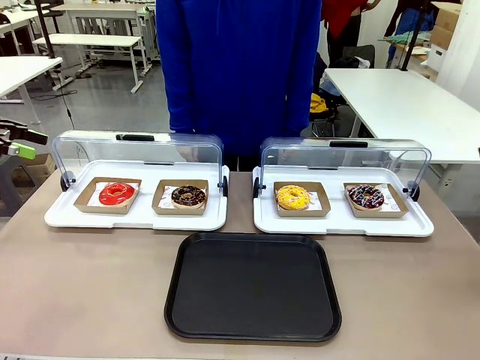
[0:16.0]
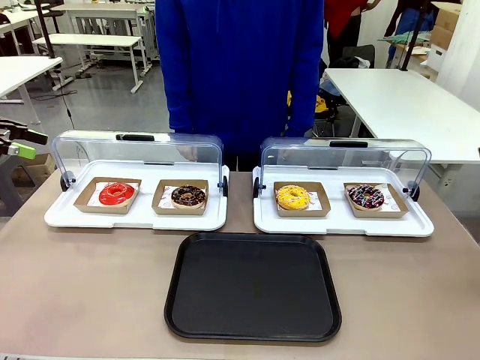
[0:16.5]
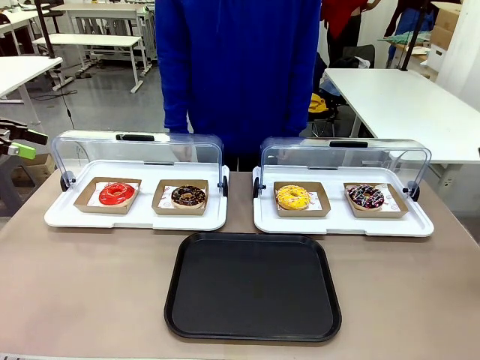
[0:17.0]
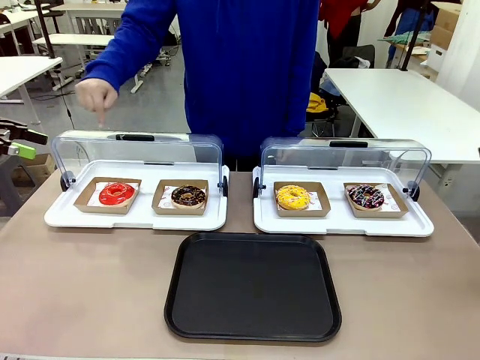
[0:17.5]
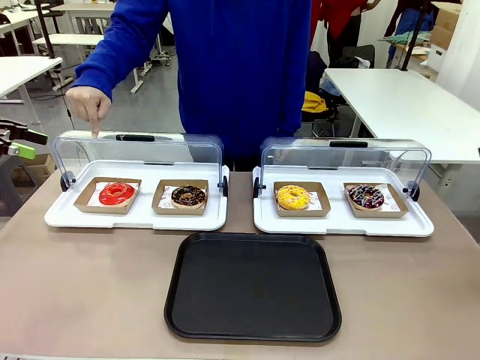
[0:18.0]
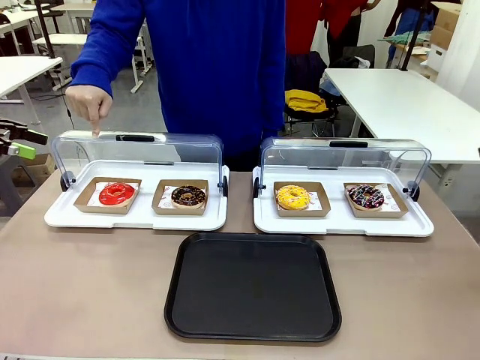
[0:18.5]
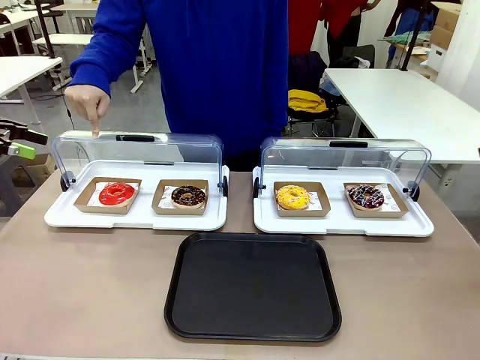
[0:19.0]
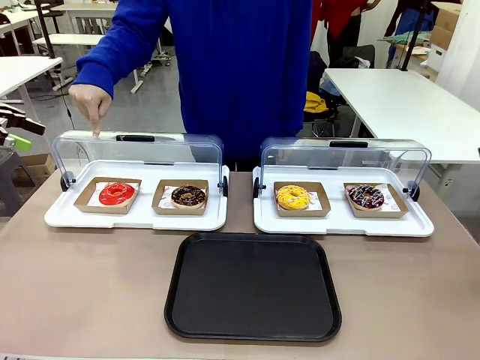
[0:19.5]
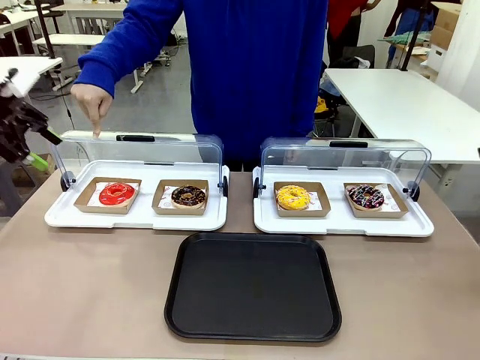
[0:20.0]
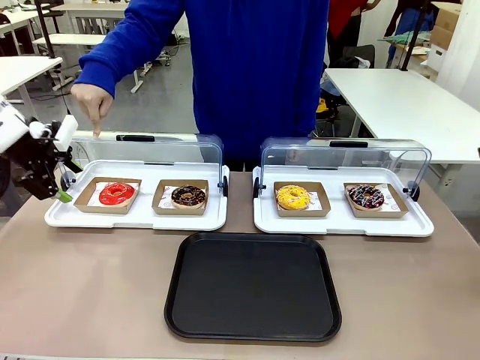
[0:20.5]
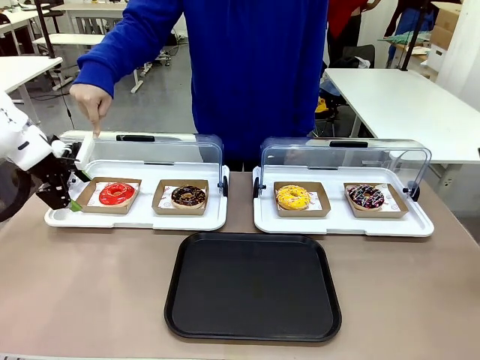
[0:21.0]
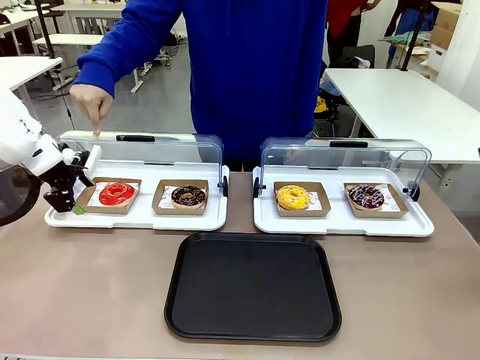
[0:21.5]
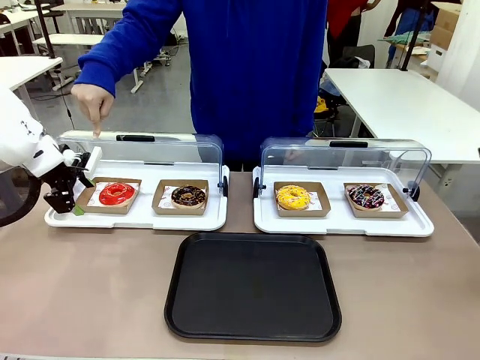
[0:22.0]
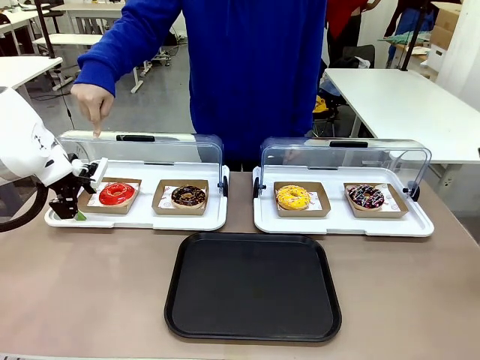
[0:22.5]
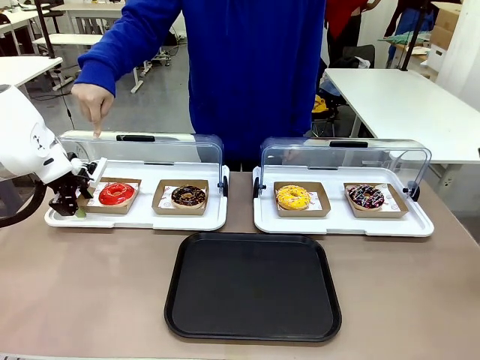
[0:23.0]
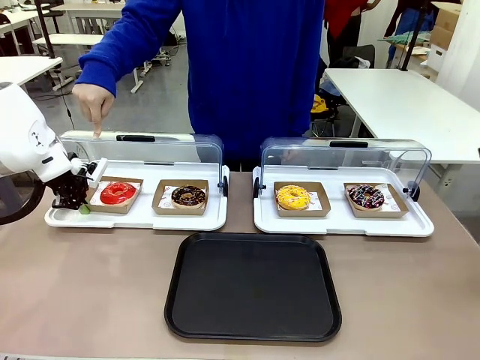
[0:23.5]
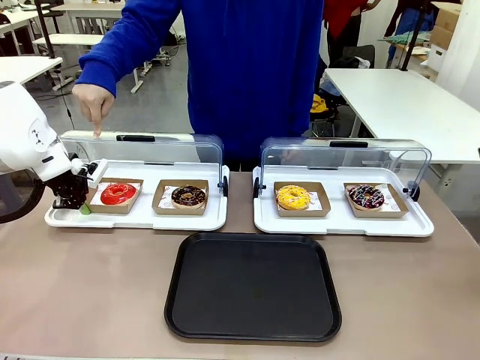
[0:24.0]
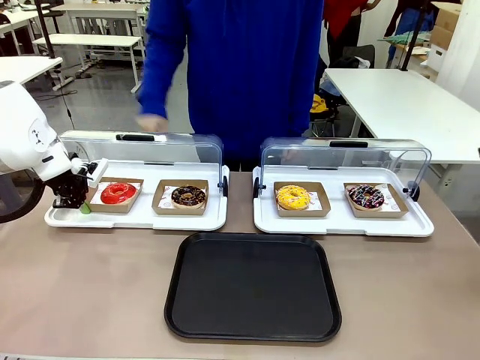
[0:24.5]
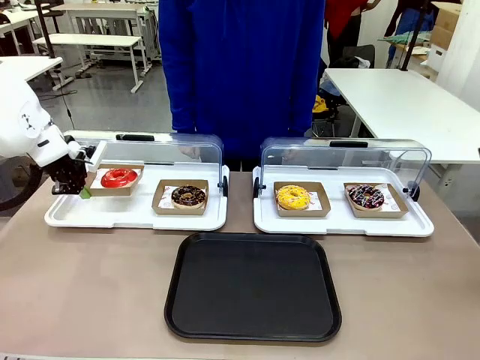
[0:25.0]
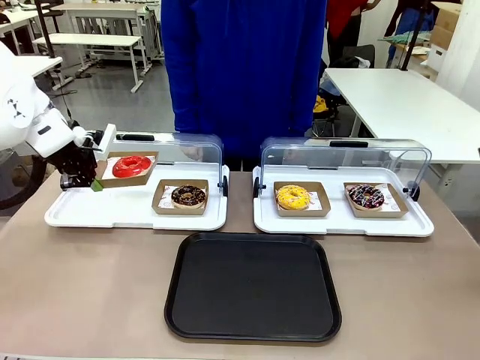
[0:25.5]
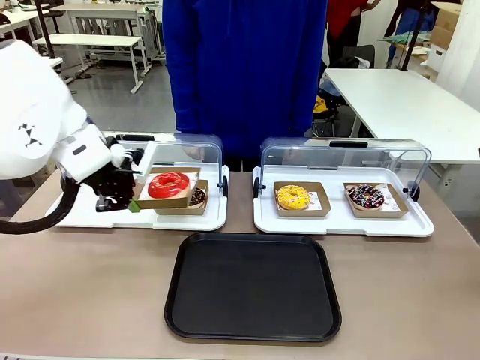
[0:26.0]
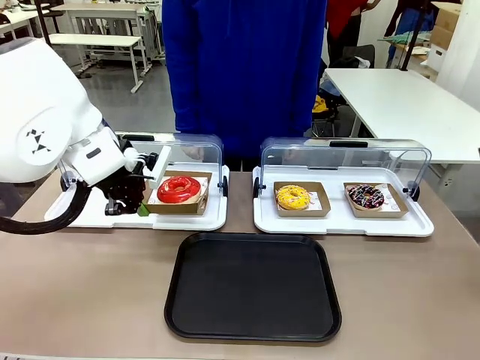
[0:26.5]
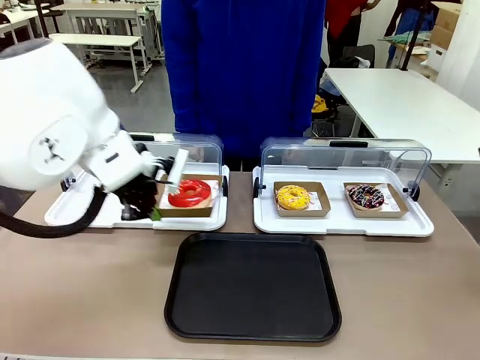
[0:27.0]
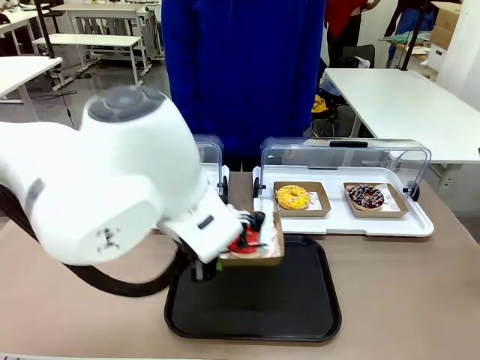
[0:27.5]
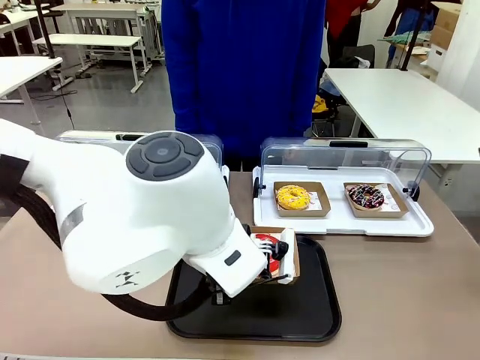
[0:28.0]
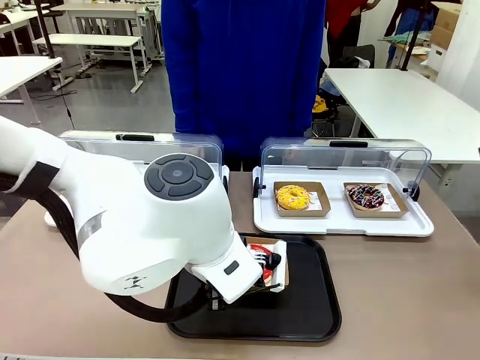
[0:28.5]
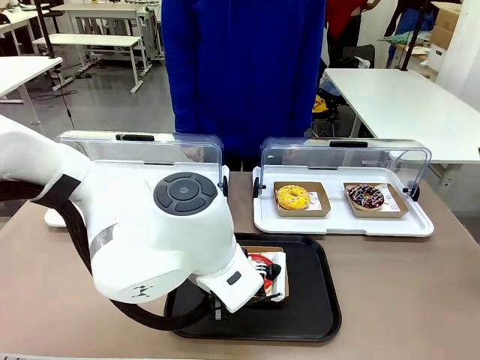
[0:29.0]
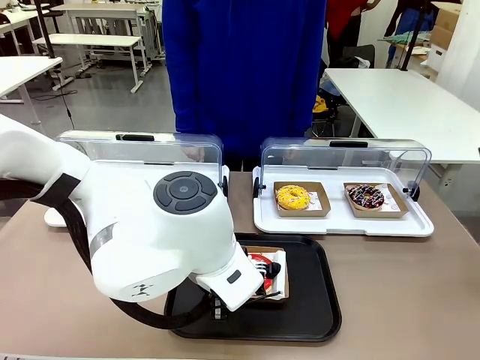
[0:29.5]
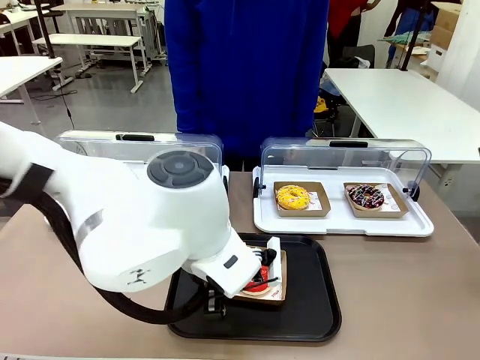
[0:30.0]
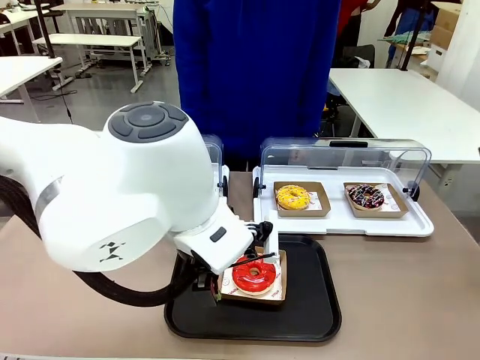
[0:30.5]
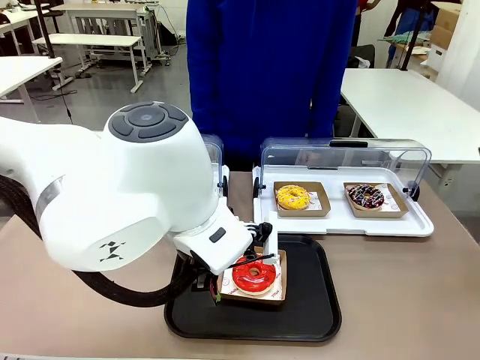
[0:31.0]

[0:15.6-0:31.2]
Task: Move the first donut from the left to the tray.
Robot: Pick up the Paper togo box containing the Donut indicated by the person and place it on the Handle tray.

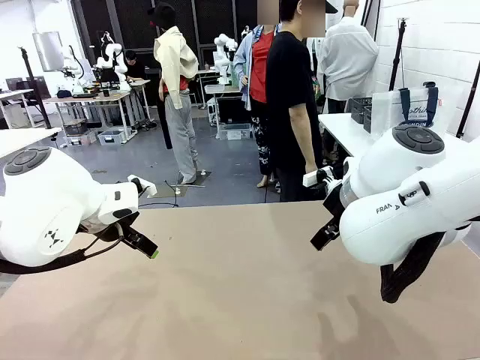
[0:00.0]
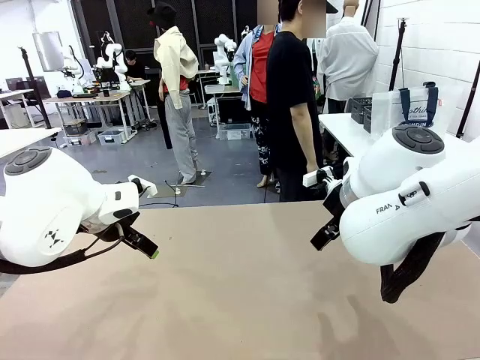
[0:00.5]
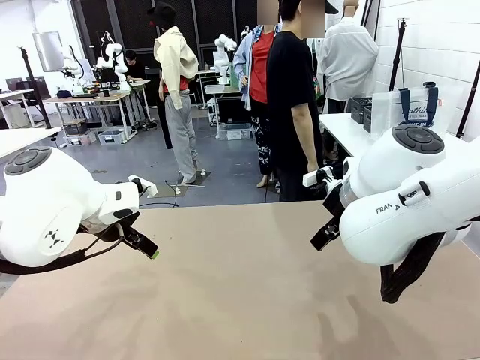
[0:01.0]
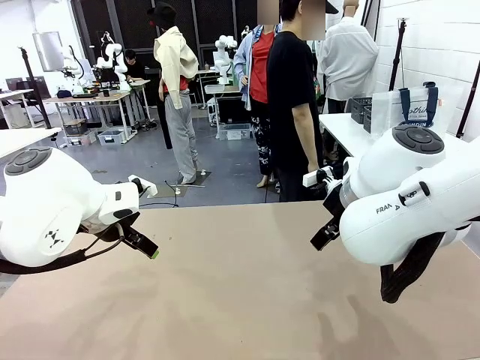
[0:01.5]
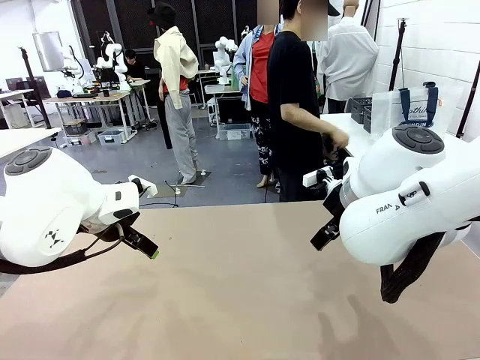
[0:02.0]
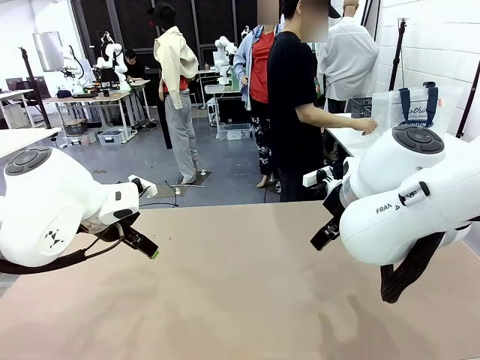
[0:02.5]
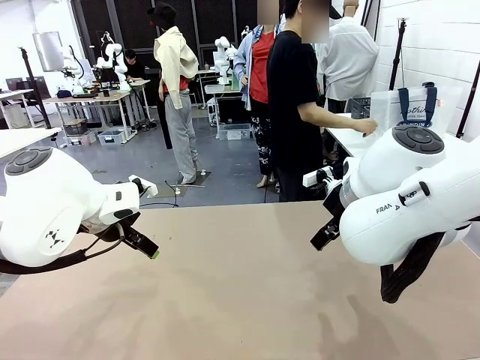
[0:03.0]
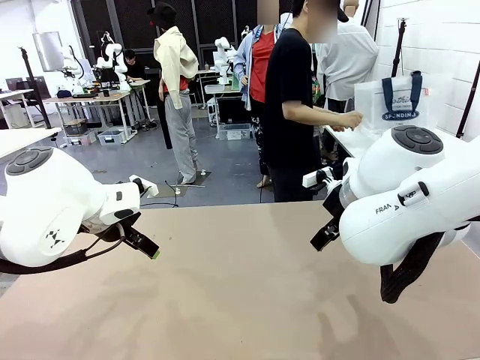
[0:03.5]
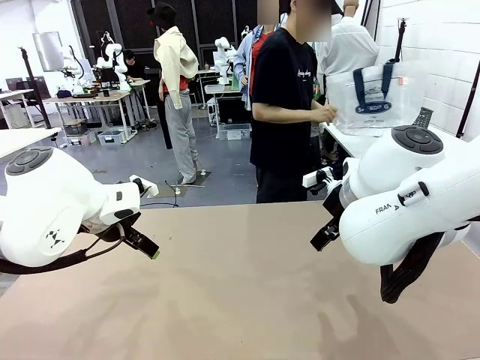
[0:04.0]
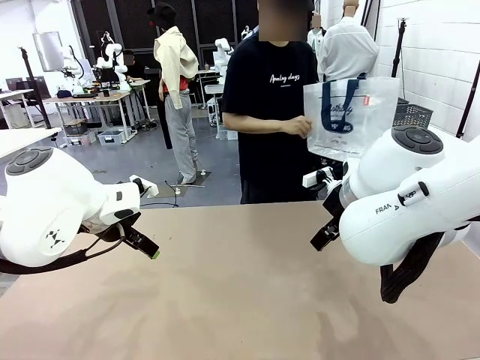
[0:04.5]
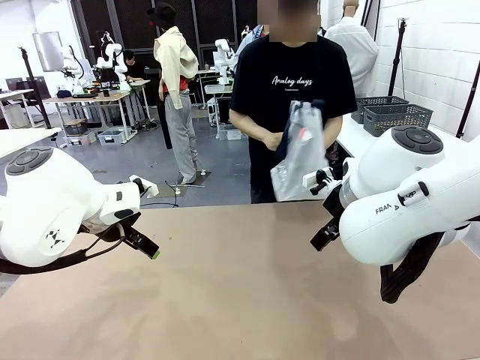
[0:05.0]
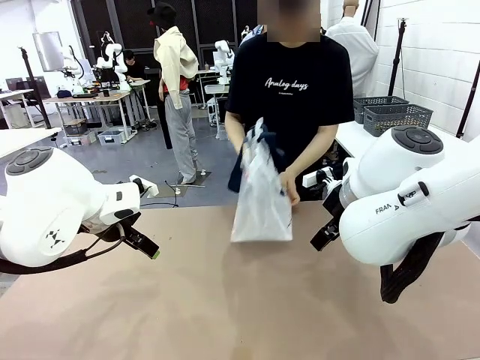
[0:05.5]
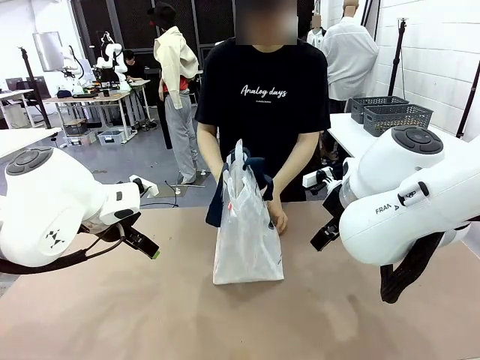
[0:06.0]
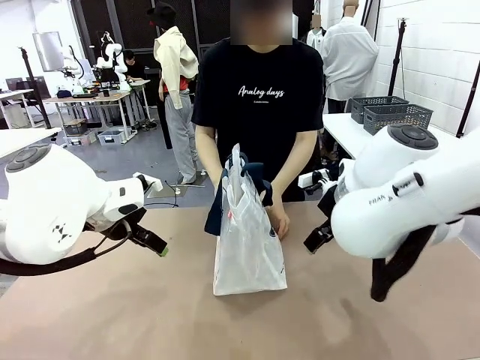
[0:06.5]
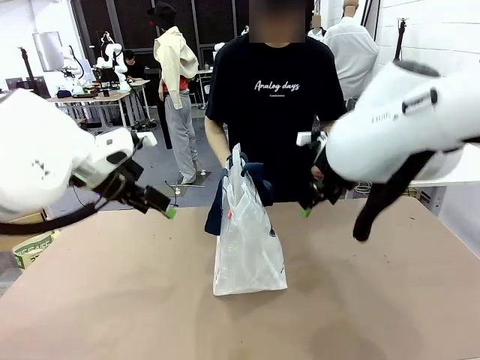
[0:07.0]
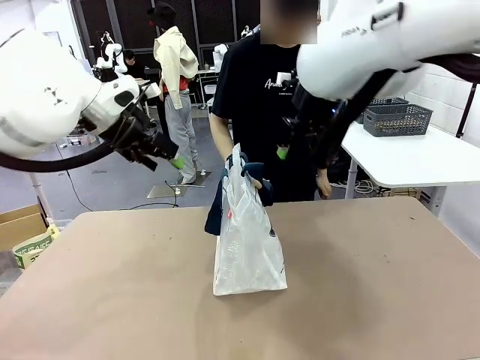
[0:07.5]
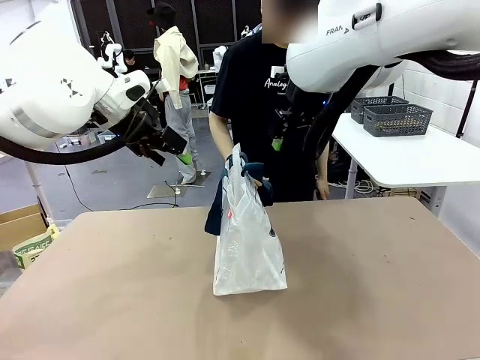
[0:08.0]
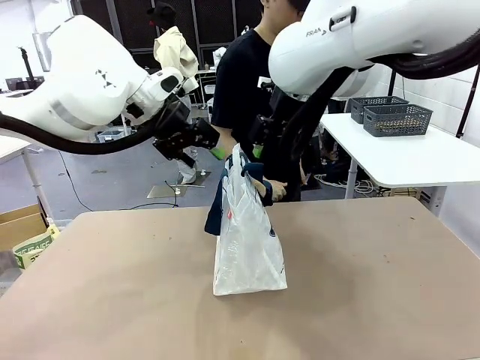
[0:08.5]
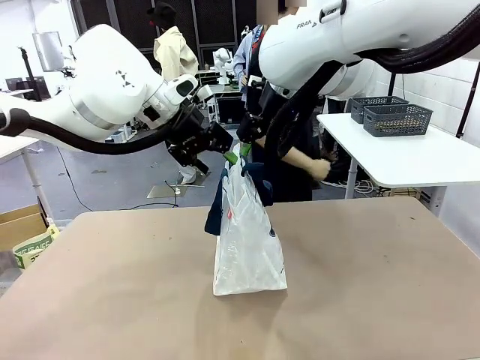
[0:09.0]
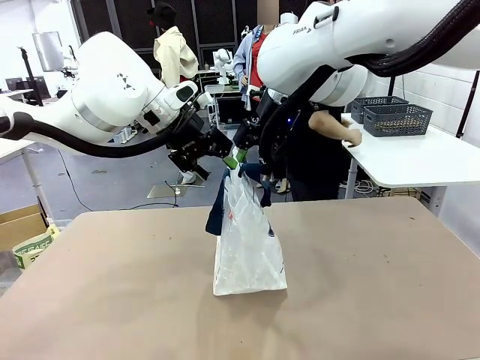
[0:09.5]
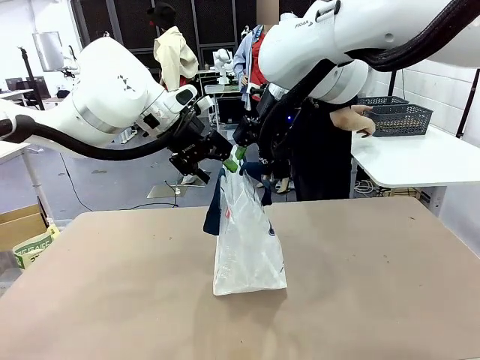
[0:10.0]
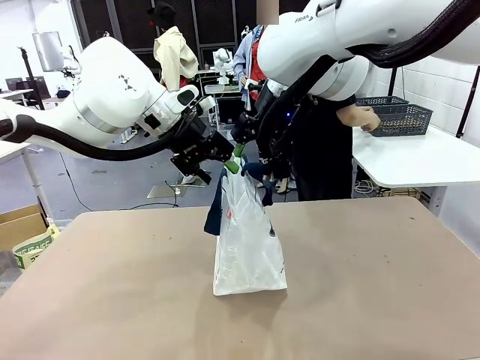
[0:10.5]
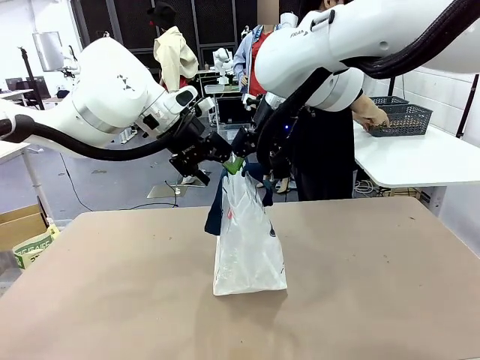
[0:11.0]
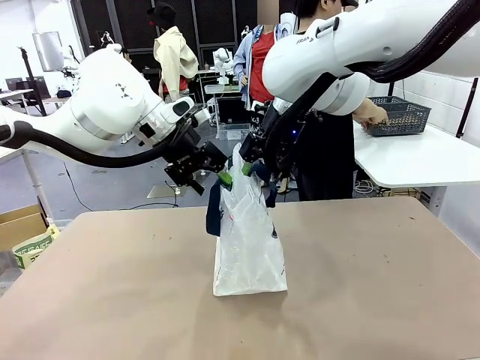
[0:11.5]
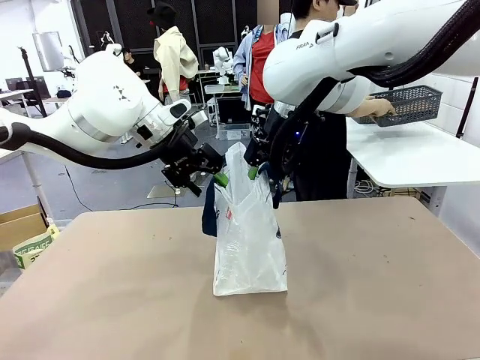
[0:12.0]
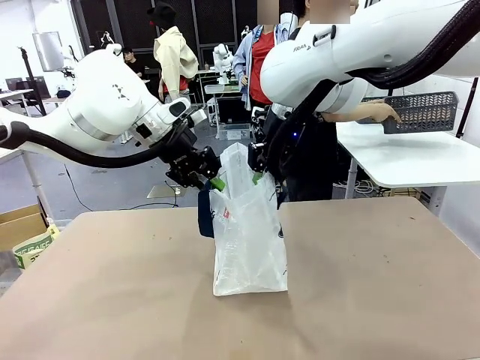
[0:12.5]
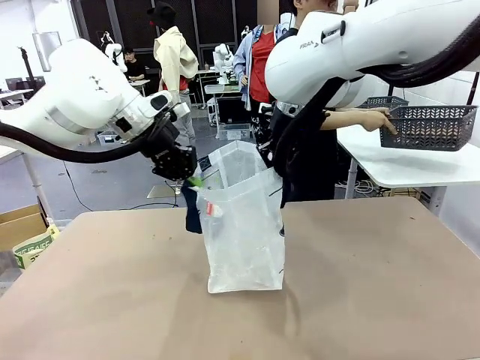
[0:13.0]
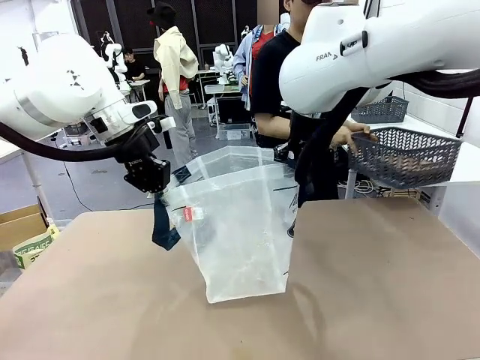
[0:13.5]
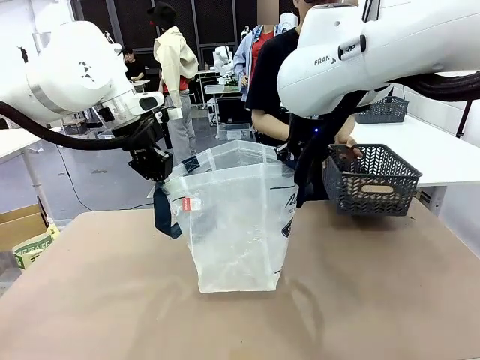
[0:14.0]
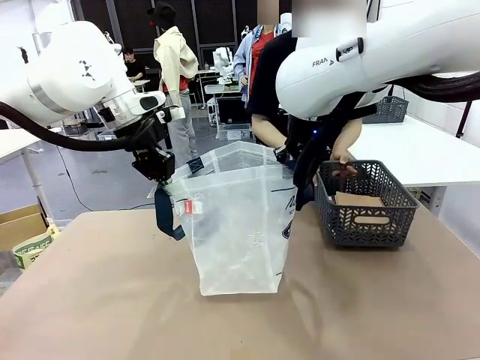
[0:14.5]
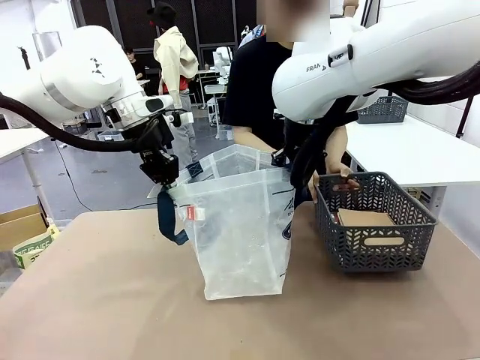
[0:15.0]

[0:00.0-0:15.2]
Task: Transfer purchased items from the store into the shopping bag.
Robot: Open the Reusable shopping bag in the center of the table.
Person: Pick up the shopping bag and place it in the middle of the robot table.
